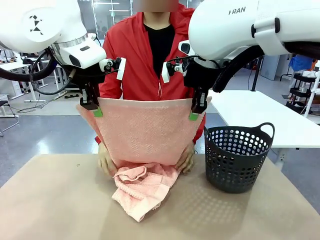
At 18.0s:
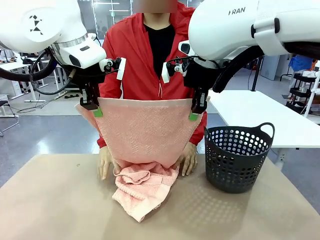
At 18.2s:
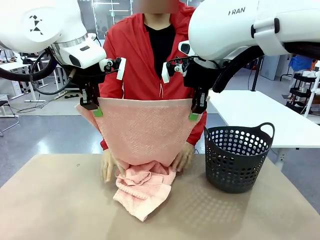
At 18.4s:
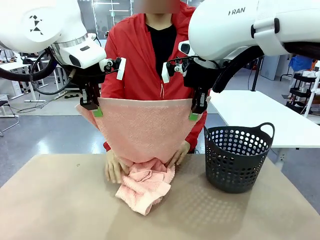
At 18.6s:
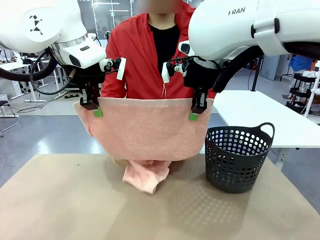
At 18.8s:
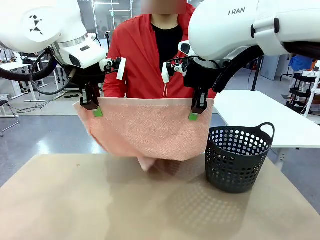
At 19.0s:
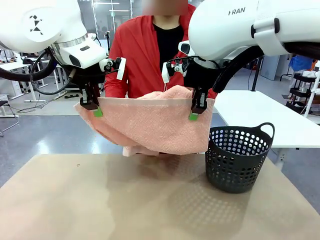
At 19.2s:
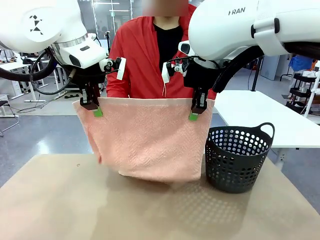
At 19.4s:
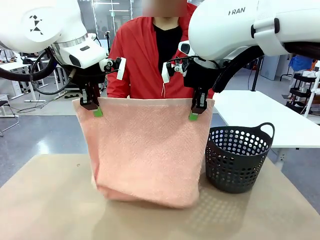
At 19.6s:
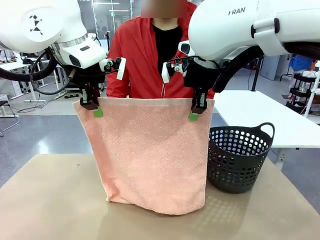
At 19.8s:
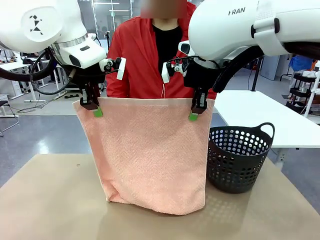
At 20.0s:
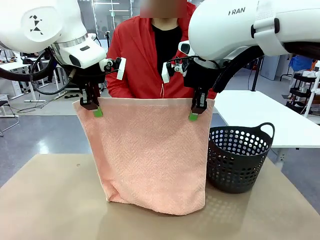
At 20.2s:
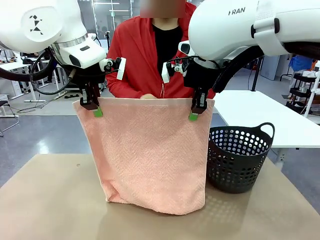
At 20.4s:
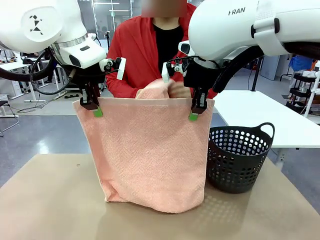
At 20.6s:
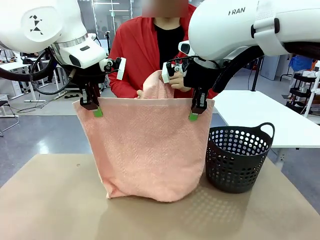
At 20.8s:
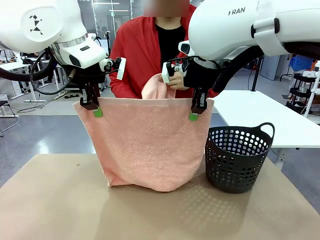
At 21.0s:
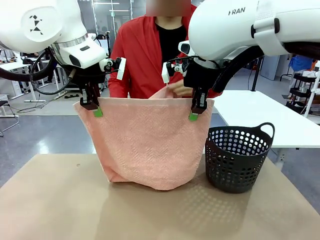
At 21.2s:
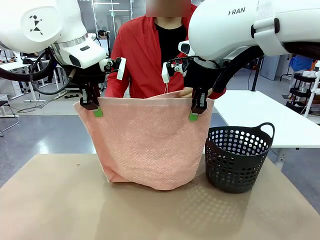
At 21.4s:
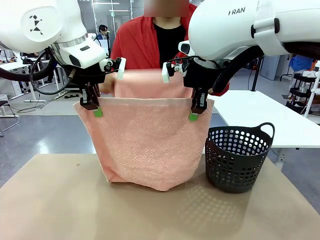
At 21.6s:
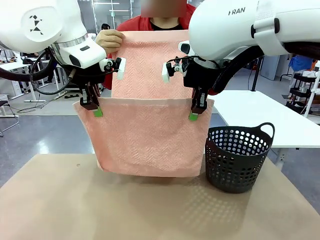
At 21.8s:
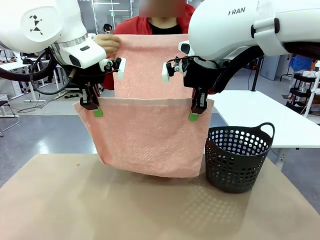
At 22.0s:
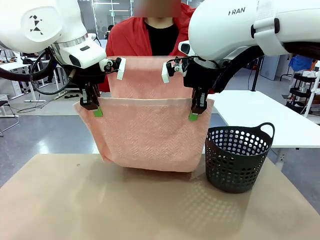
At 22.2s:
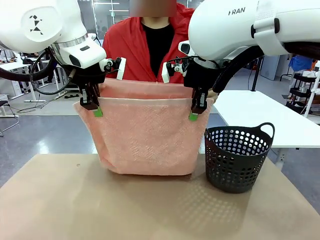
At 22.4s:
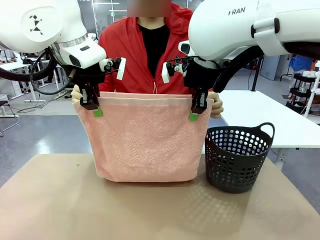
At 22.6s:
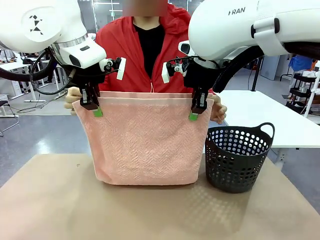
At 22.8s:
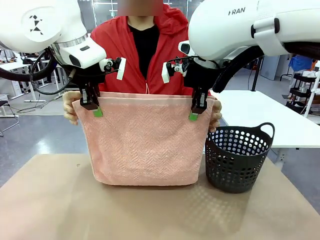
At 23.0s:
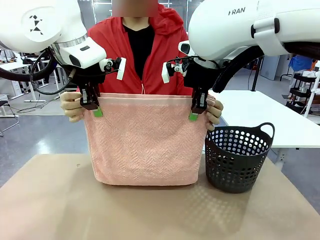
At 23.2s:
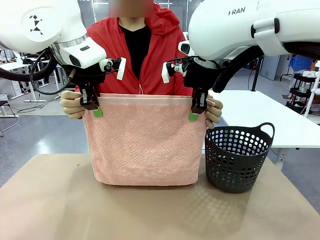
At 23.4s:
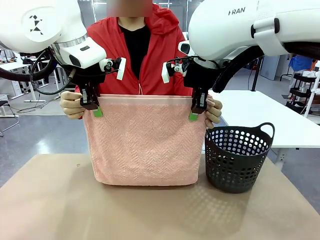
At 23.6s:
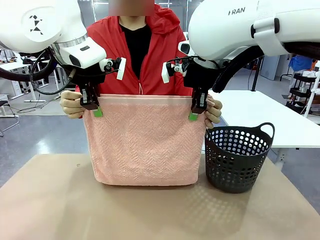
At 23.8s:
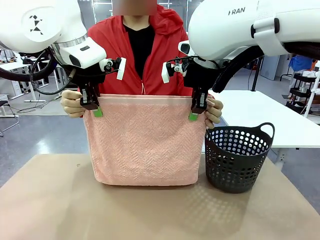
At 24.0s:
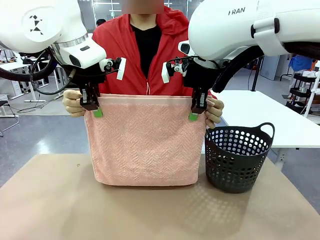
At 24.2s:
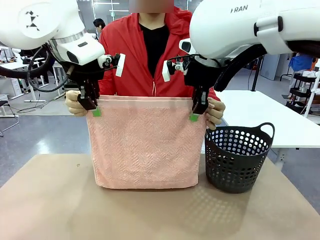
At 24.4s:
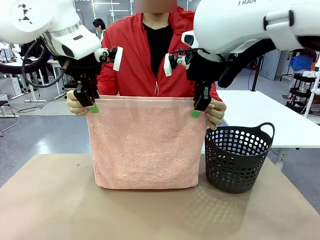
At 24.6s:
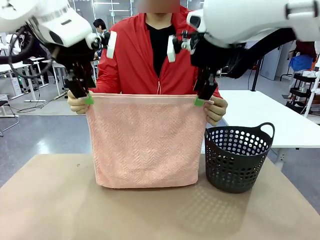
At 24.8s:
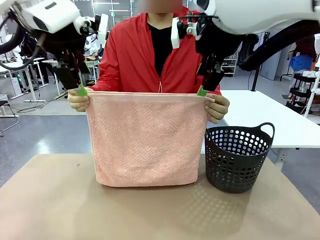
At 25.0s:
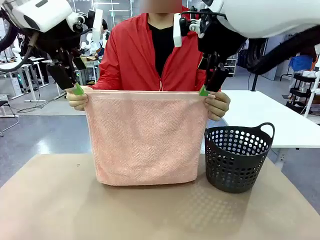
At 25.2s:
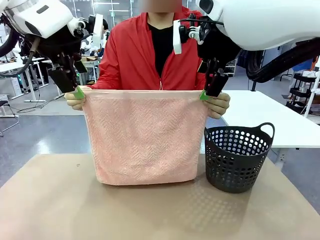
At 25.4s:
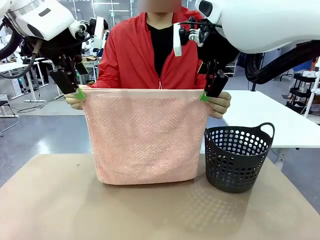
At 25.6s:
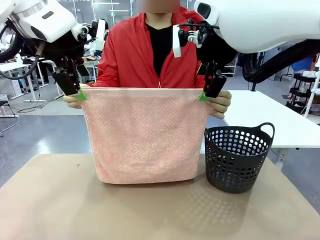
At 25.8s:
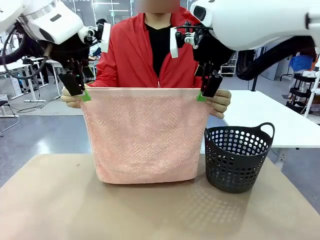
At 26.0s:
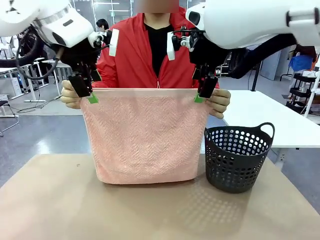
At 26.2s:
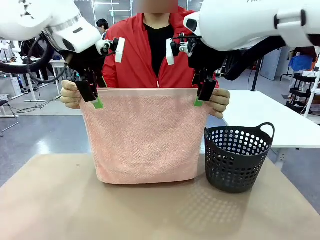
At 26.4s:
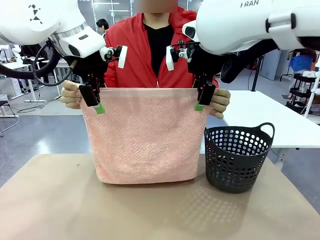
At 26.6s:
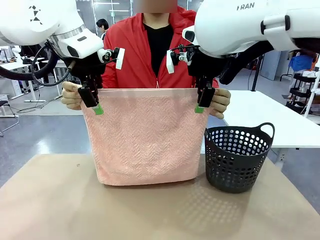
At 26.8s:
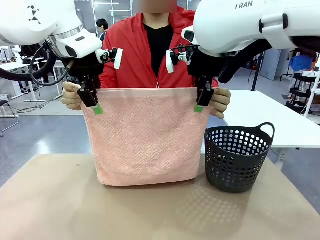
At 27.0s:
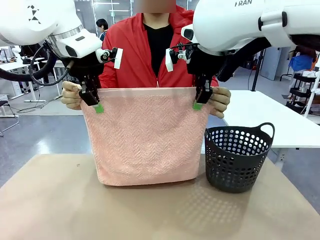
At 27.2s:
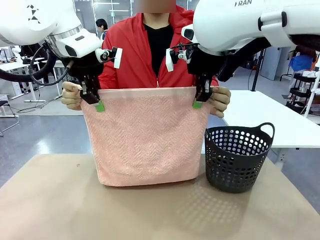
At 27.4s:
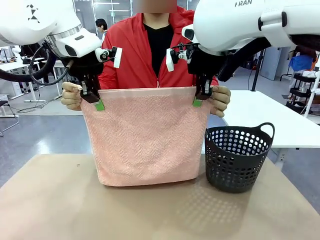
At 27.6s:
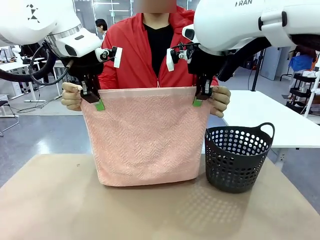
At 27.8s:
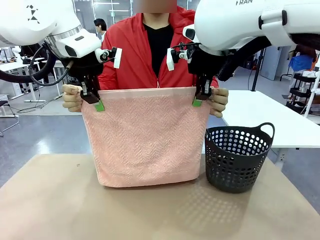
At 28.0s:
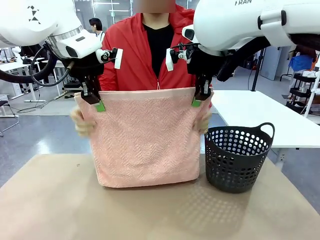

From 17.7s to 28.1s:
Task: Fold the towel.
Robot: Release the end of the 100 cm Hotel Towel you were holding and grab the top end of the folded side.
Person: Using the point held by the robot as a reference, grasp the opposite end, fold the towel in half, and then hold both ends of the folded towel.

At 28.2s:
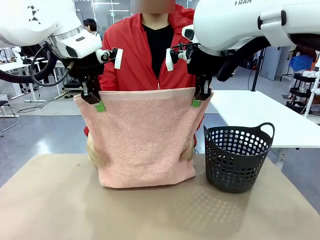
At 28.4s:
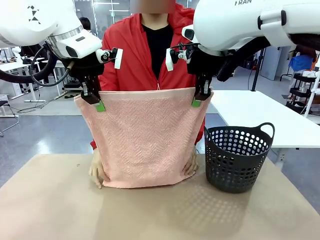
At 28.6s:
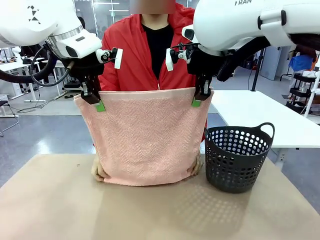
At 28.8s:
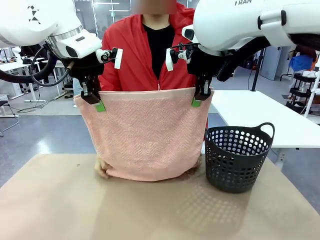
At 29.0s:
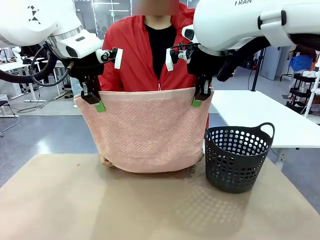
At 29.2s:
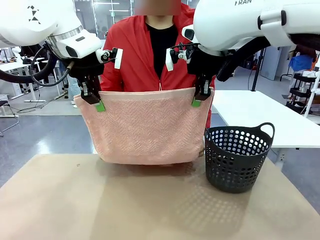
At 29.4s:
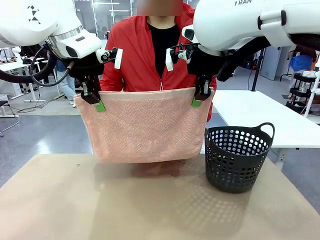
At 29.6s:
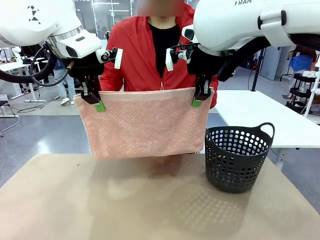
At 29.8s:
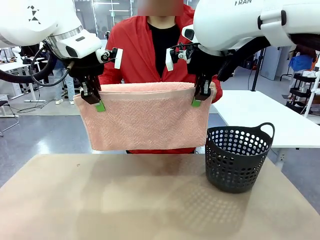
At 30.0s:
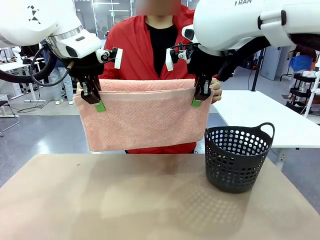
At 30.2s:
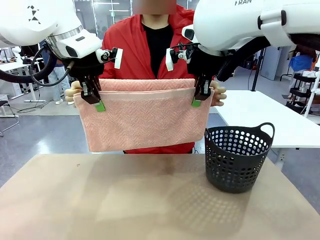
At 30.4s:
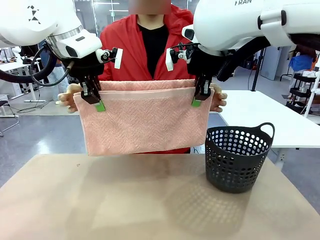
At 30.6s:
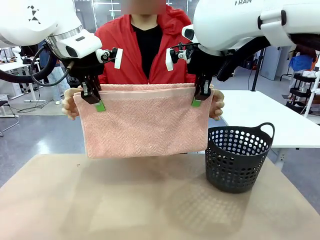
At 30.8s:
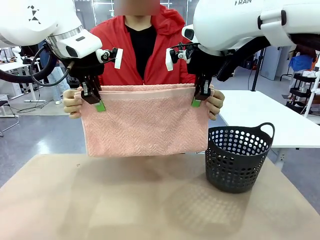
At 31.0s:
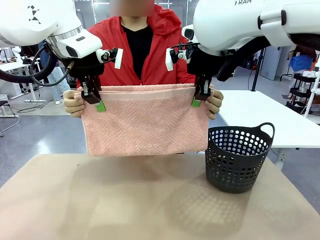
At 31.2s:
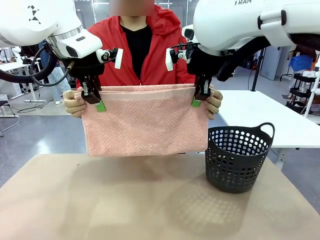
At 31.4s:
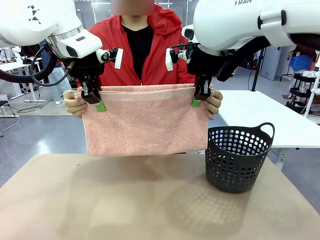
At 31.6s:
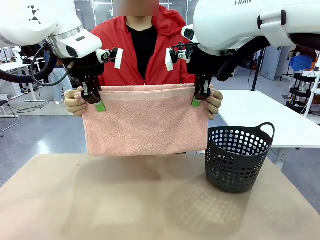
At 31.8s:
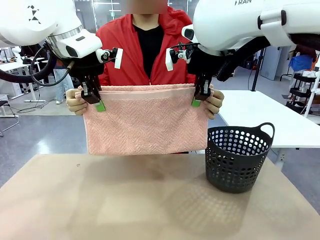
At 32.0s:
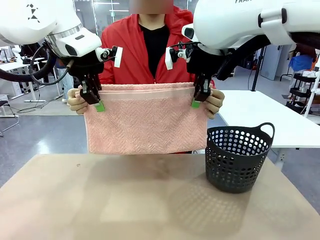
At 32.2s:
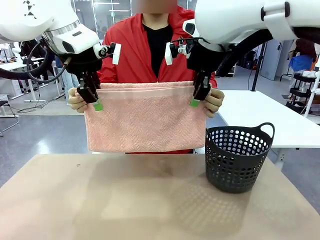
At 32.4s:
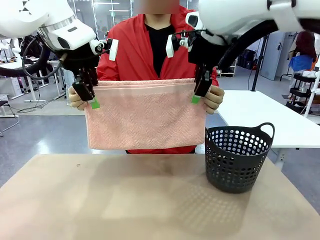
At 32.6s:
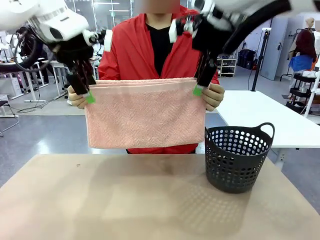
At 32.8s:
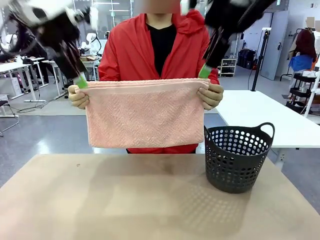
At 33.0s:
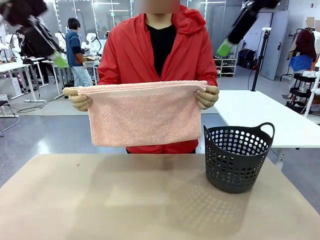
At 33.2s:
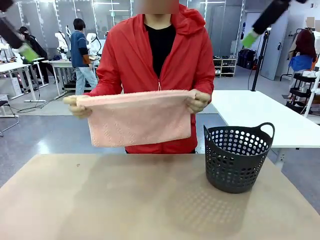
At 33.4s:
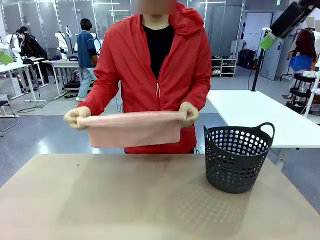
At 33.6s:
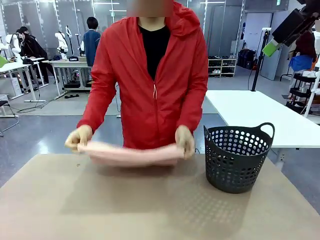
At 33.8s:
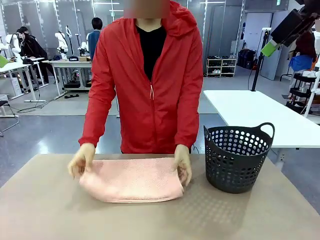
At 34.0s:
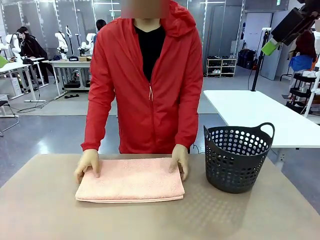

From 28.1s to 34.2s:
Robot: Release the end of the 100 cm Hotel Towel you were holding.
